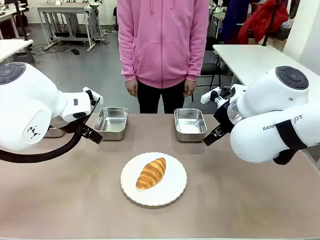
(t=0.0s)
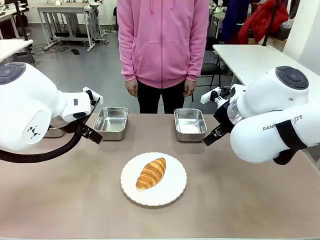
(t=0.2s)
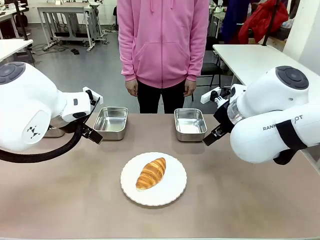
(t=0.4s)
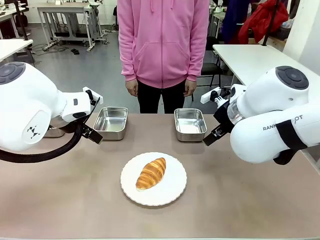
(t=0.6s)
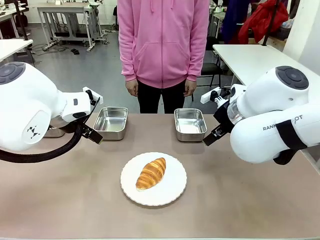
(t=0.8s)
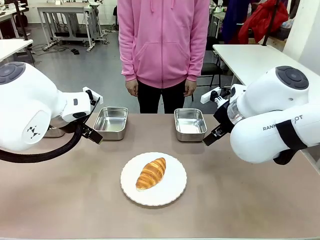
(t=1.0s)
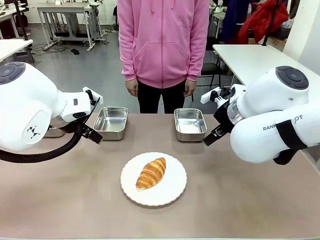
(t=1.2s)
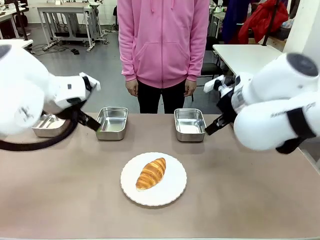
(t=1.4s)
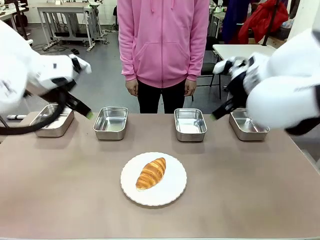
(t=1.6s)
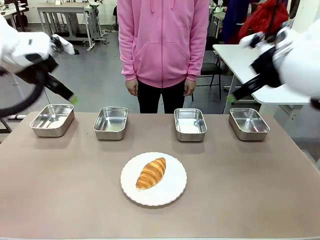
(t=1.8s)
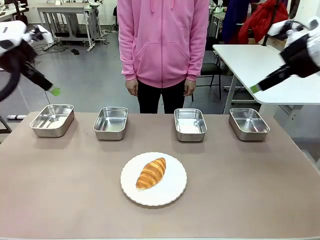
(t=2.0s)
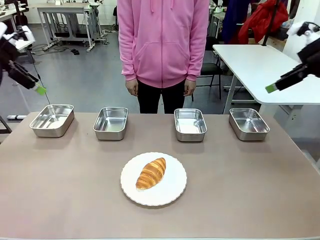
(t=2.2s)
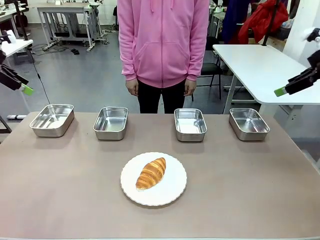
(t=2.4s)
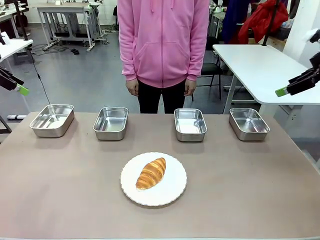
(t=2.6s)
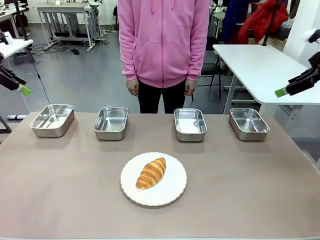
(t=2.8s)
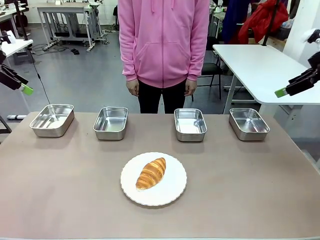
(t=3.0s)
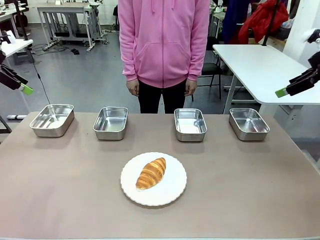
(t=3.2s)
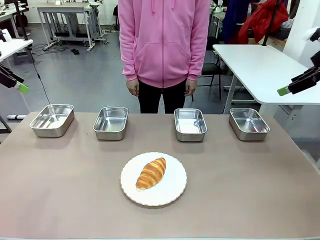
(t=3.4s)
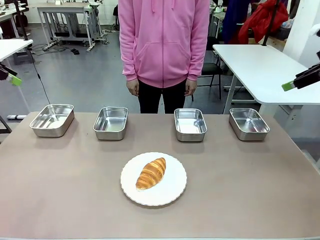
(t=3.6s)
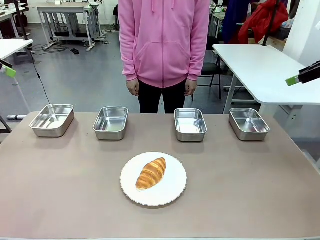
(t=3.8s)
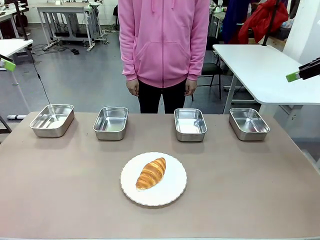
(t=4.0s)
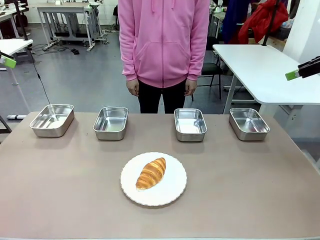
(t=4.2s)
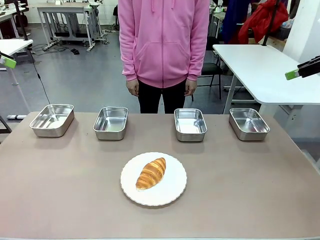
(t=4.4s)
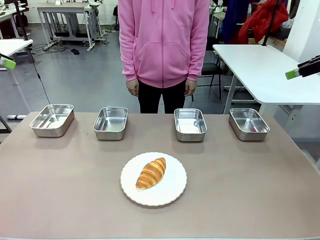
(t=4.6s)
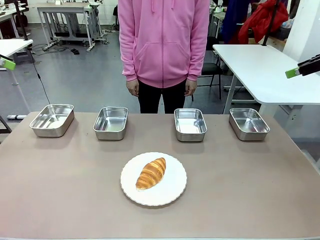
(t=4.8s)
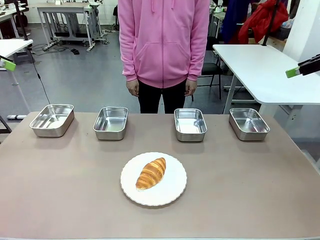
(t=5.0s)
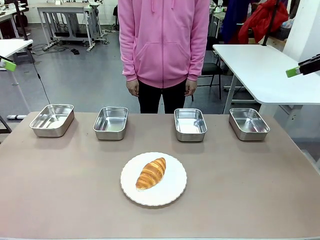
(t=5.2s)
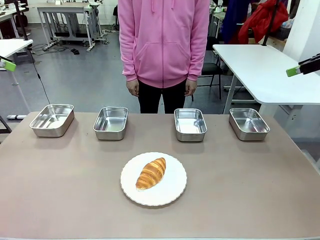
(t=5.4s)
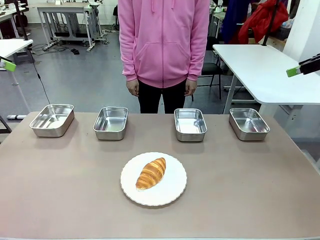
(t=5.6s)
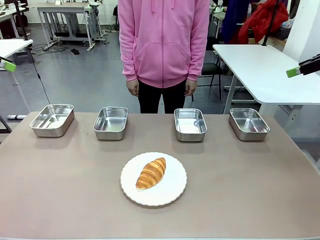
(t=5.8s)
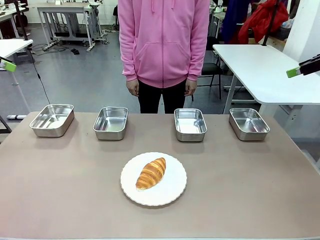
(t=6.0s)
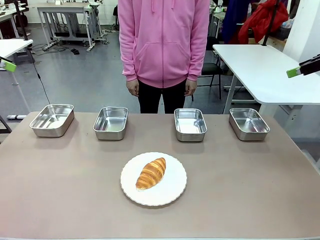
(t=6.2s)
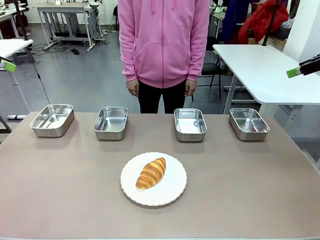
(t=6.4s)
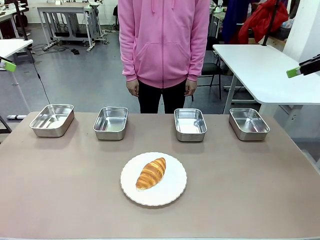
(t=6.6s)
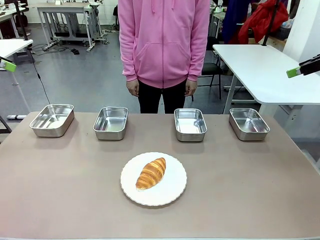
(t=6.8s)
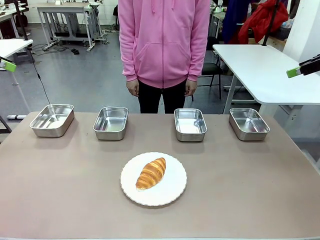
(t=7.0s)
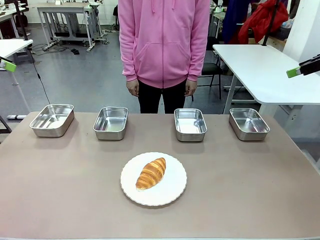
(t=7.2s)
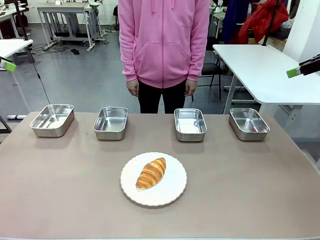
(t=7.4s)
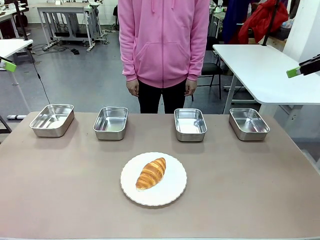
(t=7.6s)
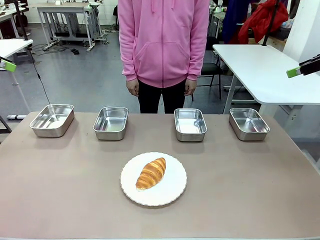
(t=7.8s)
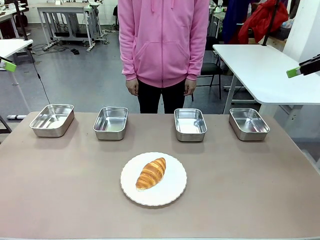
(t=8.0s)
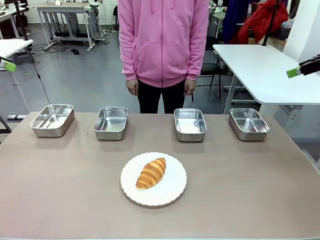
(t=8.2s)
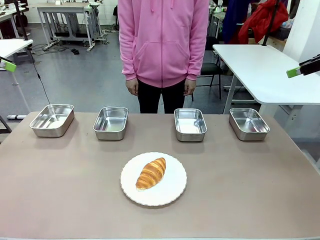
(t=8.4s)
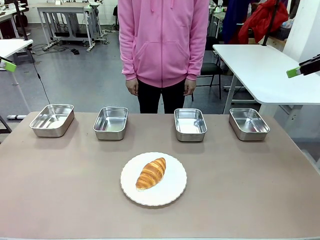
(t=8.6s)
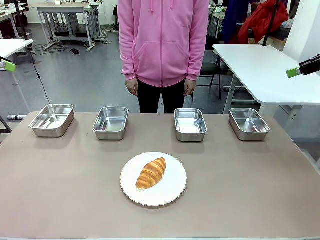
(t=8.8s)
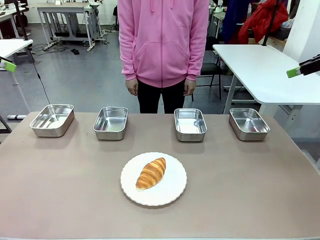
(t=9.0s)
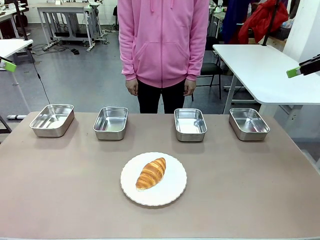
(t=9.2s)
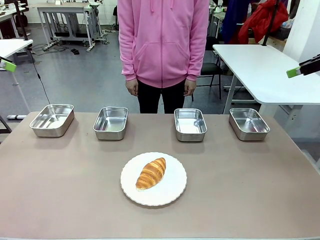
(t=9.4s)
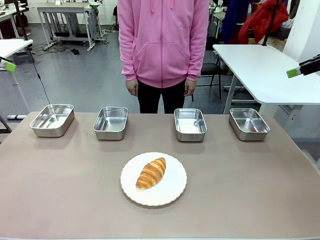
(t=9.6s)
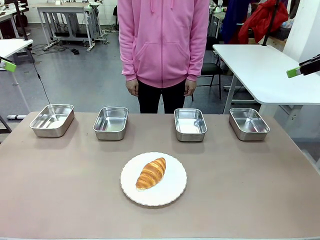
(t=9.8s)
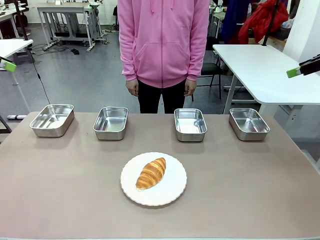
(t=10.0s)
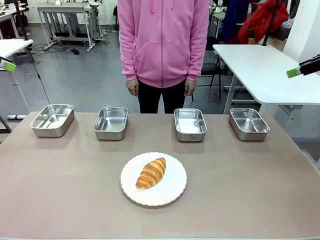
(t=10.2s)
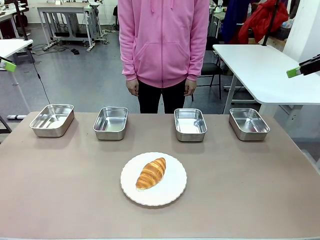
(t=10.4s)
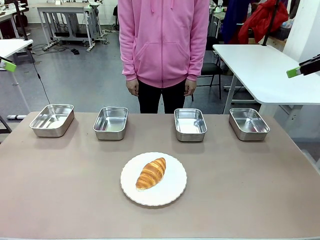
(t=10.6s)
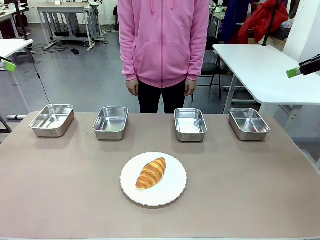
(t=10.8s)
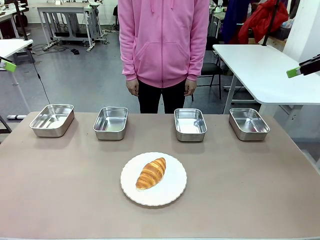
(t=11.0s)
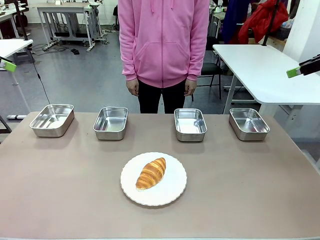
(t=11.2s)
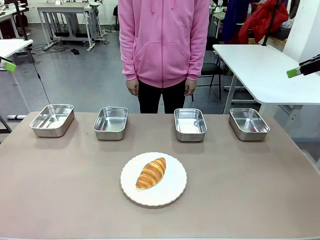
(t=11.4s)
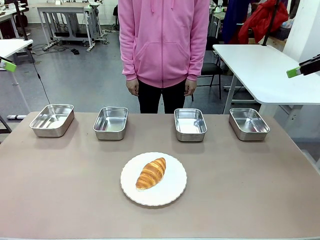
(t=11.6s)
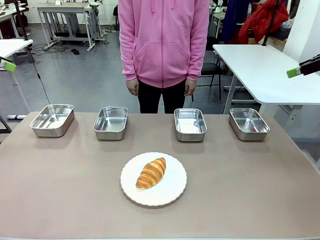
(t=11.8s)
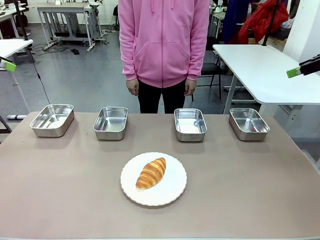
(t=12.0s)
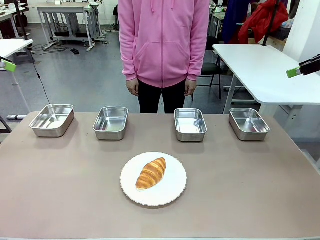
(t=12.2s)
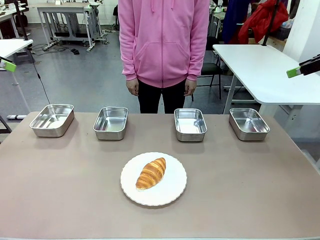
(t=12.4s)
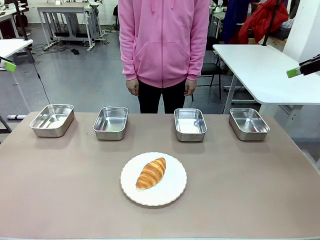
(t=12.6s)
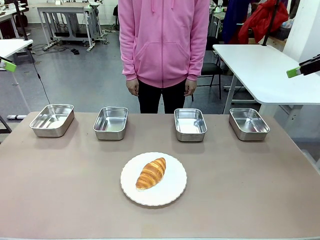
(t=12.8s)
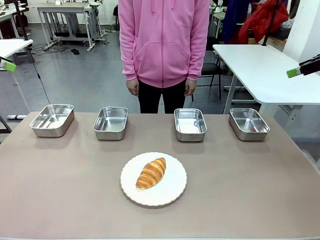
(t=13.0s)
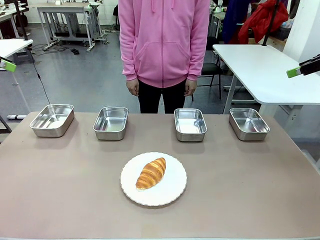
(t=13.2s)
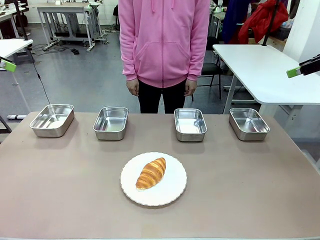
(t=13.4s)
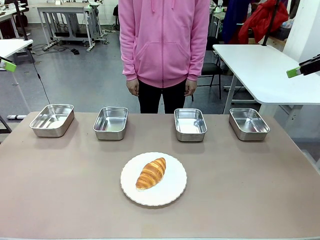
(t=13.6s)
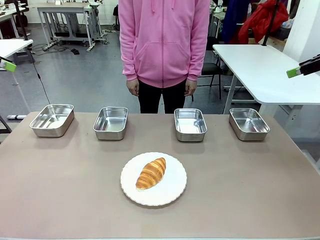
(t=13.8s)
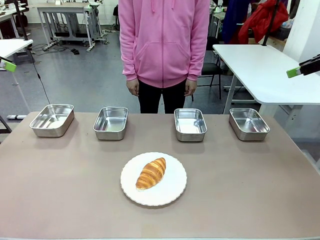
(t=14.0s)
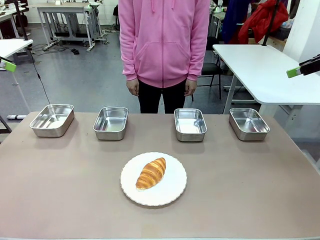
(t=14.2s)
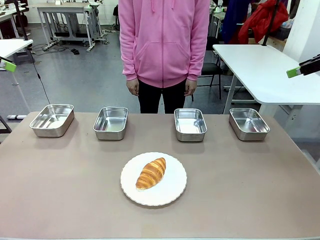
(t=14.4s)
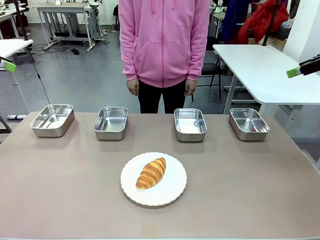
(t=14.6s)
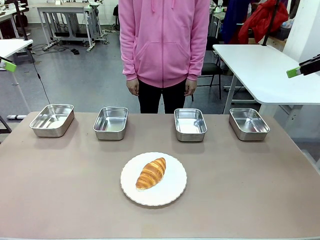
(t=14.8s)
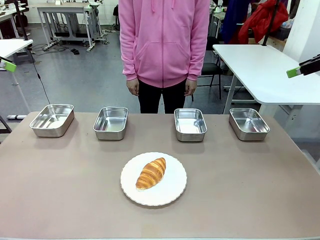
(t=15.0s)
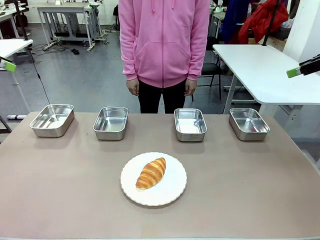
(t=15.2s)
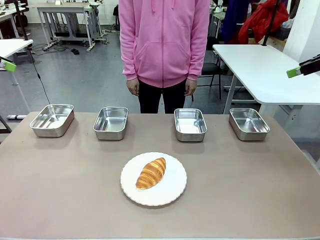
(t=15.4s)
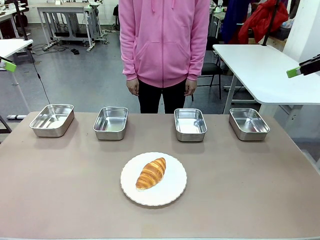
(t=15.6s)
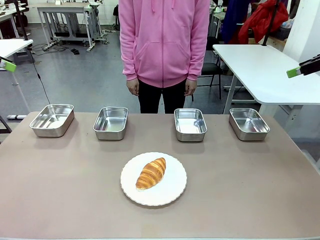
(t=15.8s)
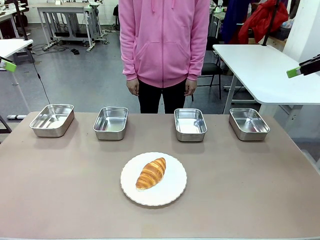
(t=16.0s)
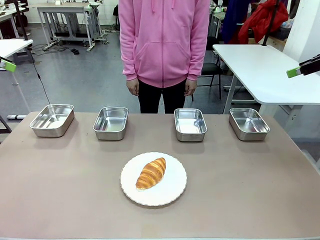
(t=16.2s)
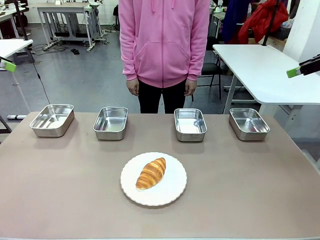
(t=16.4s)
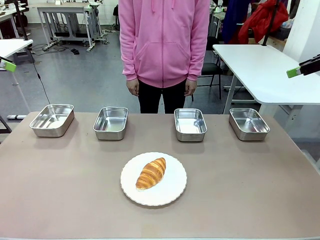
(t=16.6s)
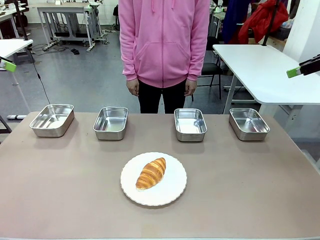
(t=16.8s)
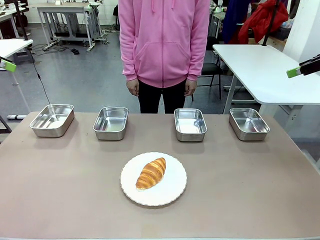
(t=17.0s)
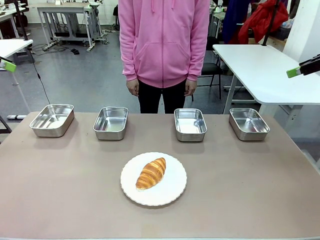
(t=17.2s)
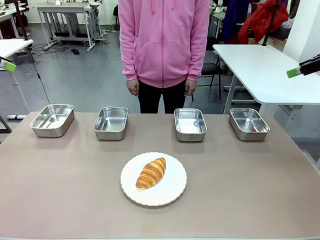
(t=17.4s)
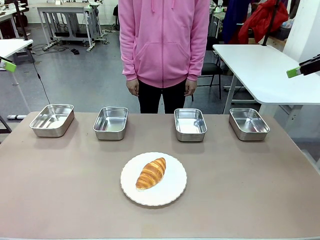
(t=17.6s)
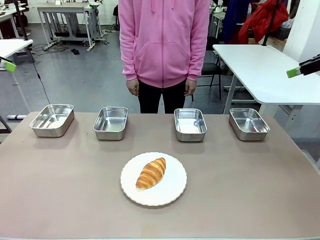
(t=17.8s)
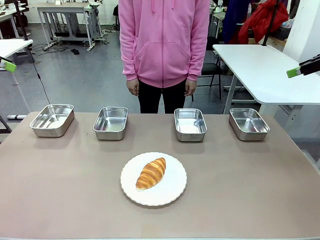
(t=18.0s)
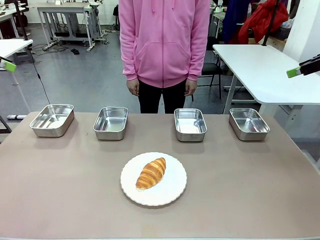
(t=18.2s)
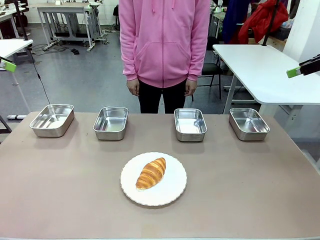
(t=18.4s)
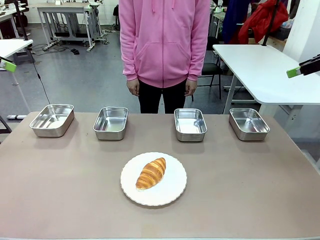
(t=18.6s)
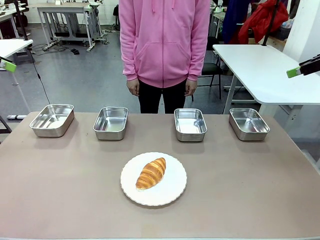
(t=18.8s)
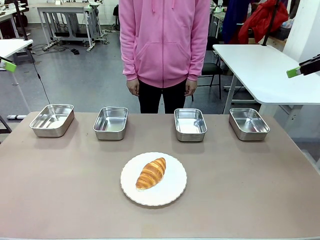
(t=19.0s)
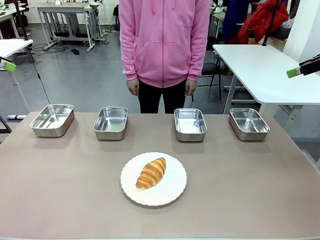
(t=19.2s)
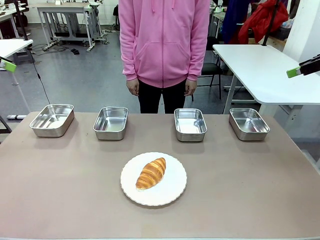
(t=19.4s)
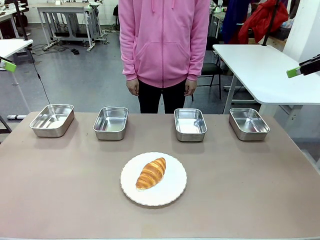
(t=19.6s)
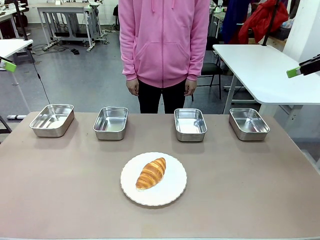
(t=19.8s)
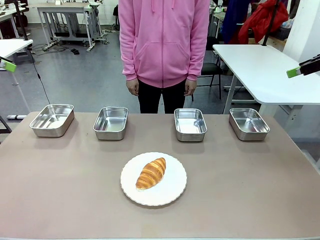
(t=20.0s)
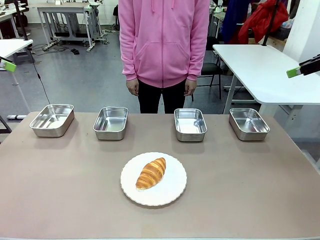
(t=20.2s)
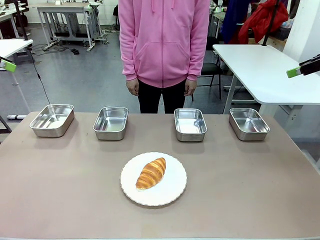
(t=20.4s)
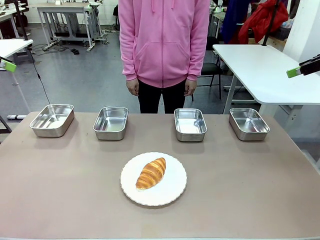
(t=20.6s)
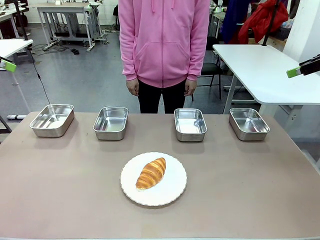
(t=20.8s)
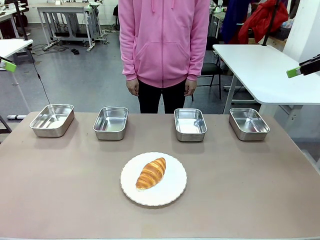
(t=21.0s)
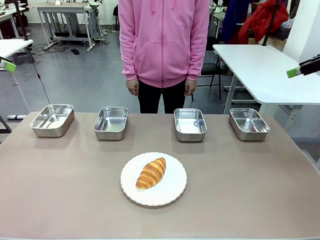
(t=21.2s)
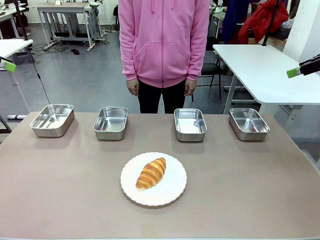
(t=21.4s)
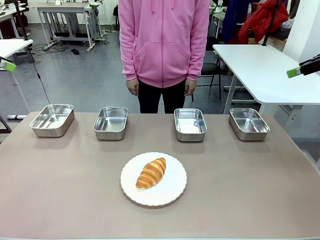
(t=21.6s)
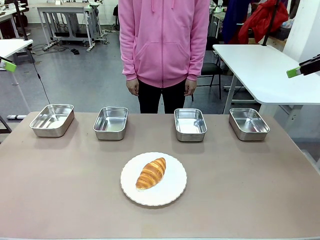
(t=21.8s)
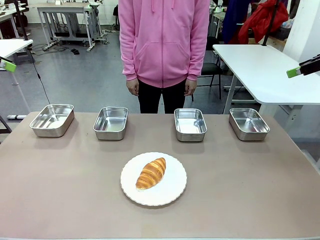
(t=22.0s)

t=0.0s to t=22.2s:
Task: Place the bread in the container.
Robot: Place the Butter Roll into the Airtight Container indicated by the human.
